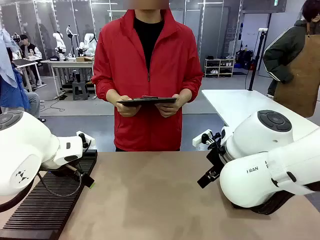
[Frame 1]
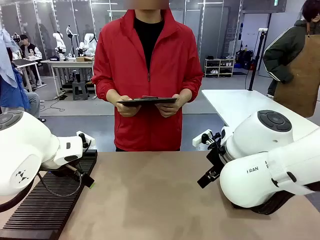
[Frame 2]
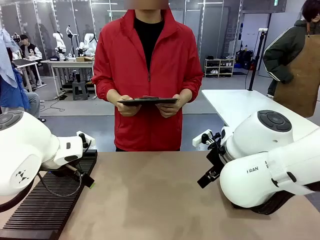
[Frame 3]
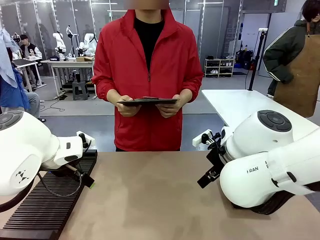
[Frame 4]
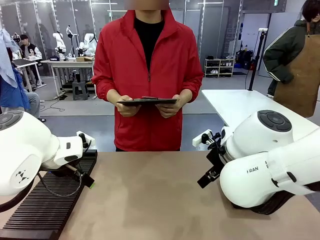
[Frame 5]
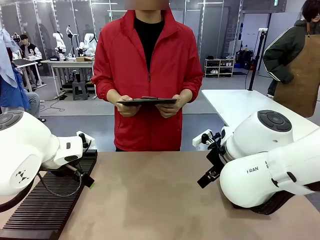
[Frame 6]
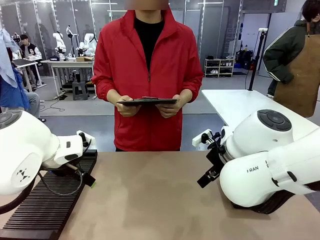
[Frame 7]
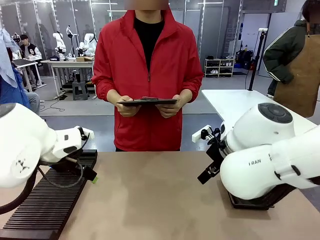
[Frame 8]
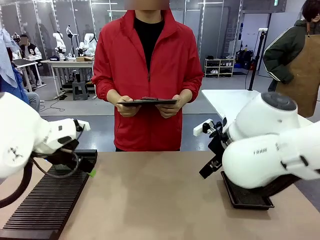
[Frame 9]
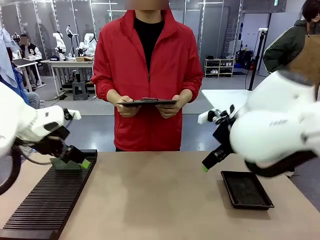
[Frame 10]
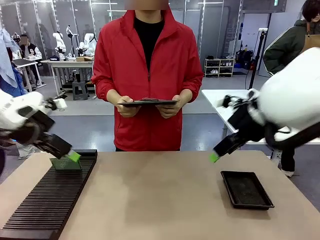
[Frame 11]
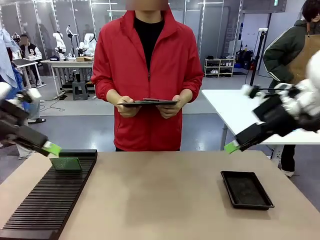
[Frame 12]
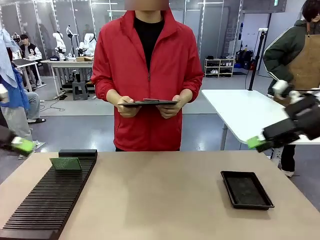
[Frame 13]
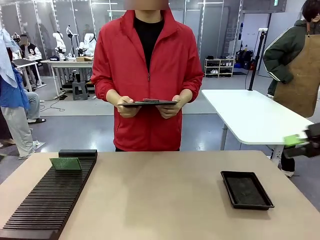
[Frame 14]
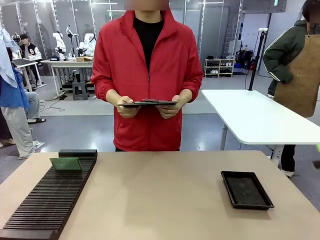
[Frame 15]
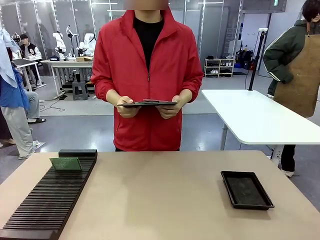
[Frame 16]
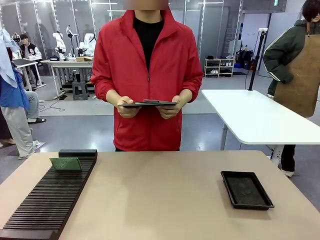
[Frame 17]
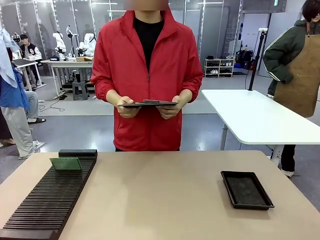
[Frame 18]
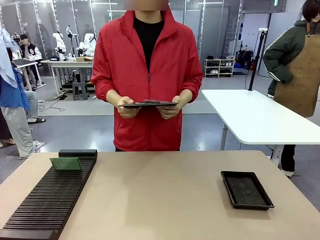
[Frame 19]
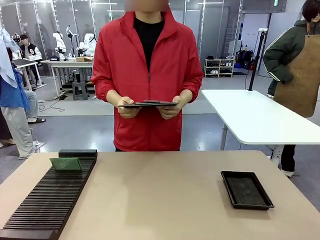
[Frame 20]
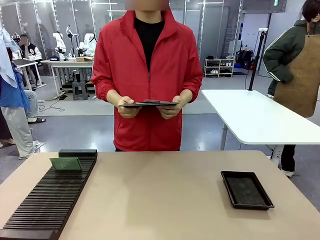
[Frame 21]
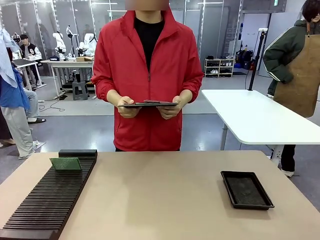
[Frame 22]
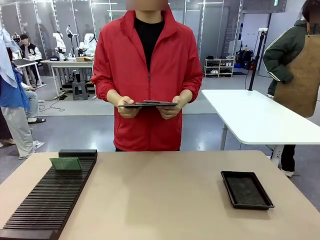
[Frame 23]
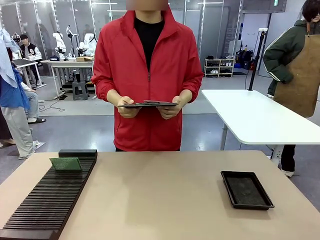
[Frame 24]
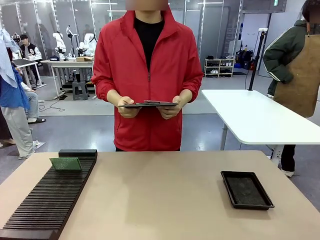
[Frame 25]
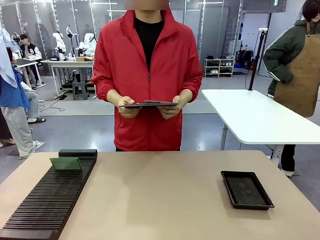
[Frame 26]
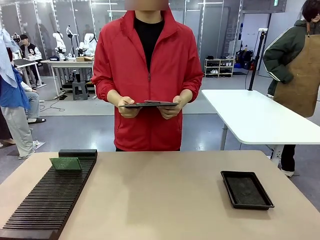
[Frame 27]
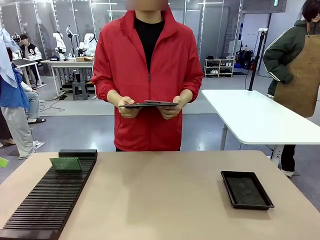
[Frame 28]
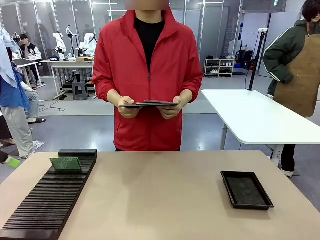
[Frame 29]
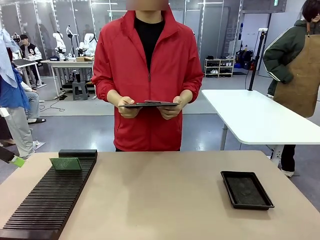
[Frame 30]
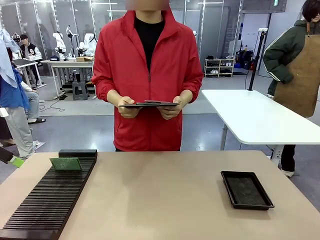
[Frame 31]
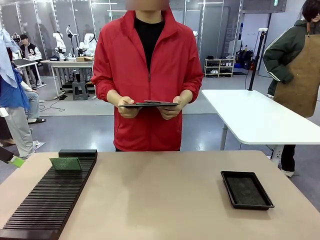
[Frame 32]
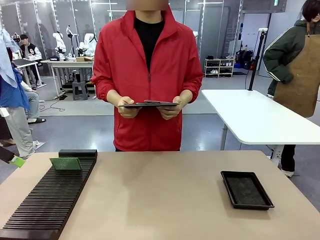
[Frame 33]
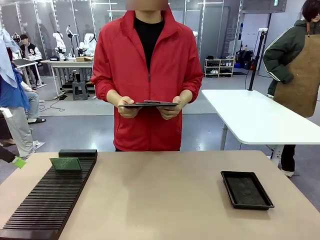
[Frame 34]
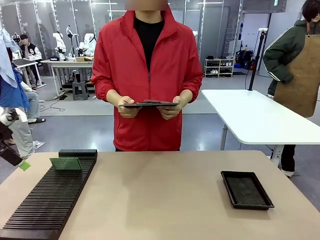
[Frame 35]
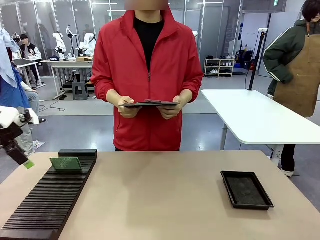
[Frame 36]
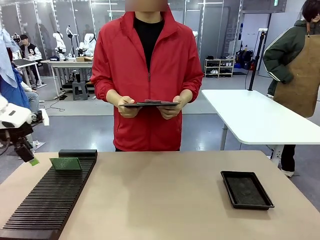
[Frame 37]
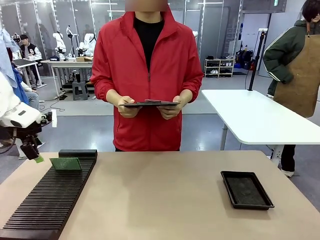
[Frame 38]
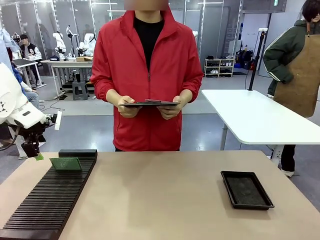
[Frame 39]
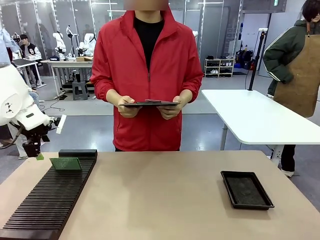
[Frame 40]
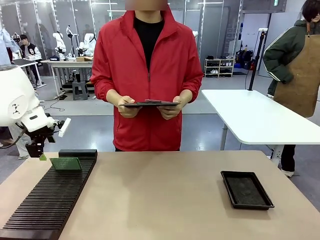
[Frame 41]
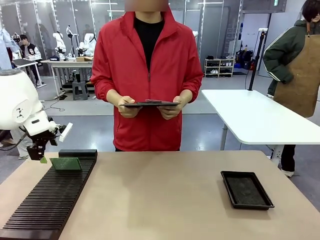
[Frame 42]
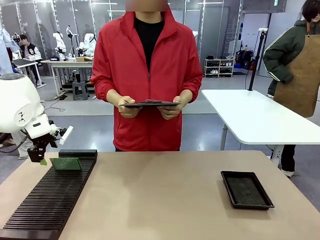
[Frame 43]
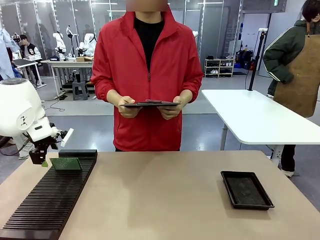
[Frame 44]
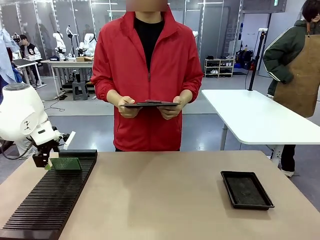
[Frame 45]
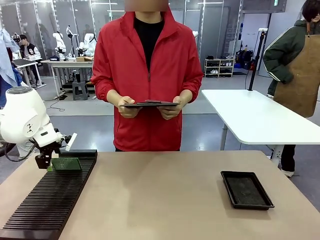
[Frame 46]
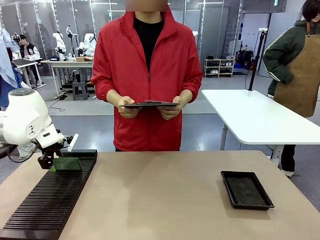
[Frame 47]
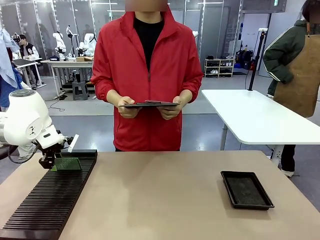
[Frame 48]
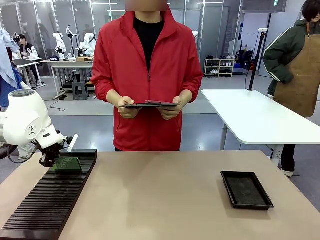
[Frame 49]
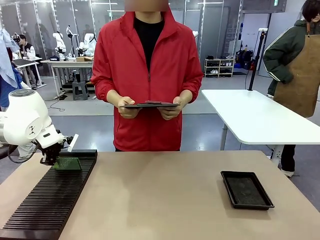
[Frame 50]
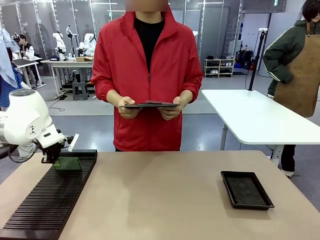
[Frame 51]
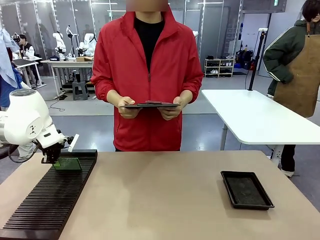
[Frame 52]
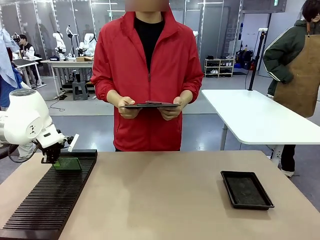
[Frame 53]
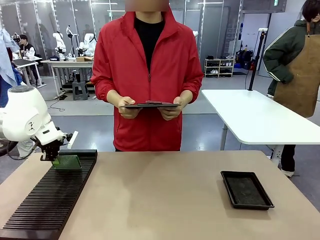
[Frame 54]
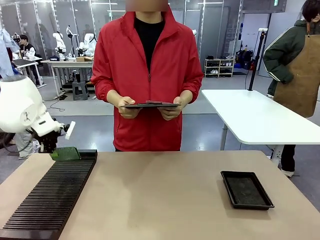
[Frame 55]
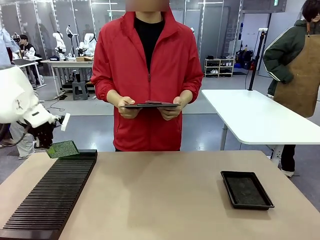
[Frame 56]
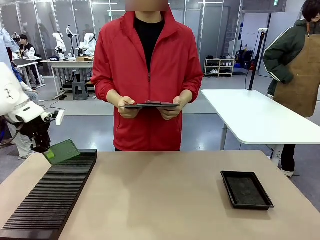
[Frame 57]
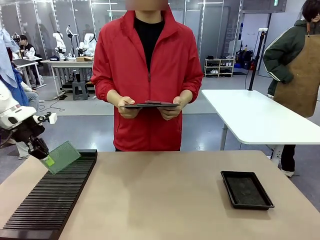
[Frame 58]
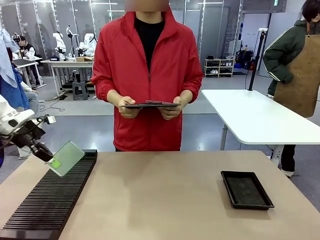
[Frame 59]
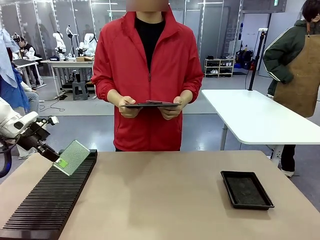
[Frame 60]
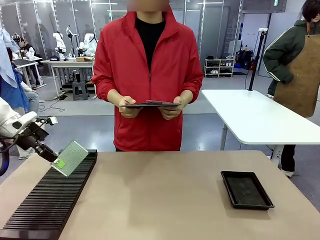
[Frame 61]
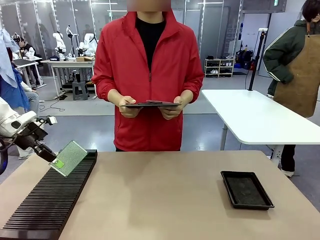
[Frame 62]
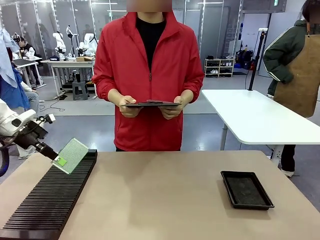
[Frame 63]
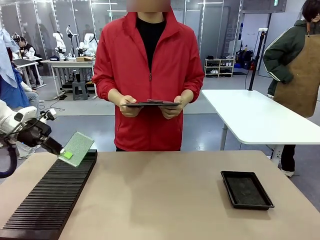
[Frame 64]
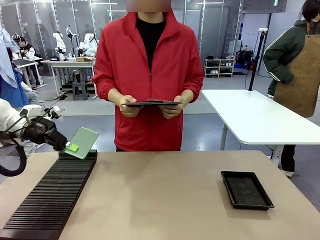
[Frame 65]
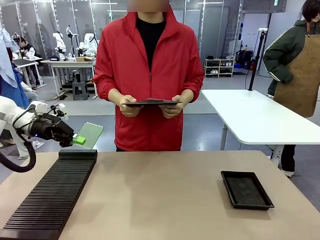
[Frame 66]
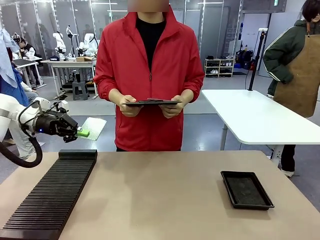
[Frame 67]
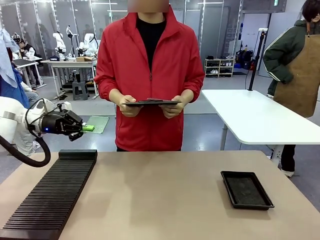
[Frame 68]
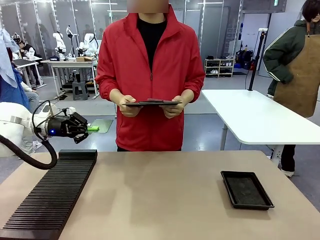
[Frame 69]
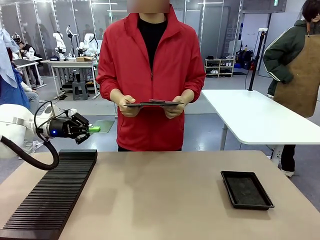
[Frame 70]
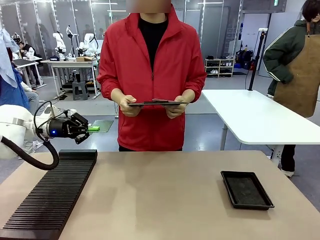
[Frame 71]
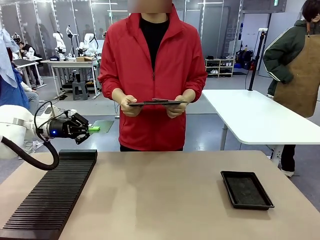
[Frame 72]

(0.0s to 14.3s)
Task: Inspect the PCB.
Robot: Pick up the Blank PCB and present it to the human.
Person: Pick up the PCB presented by the robot.

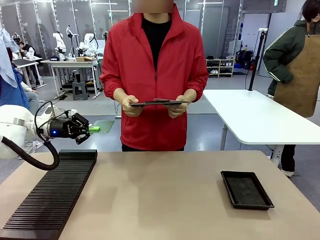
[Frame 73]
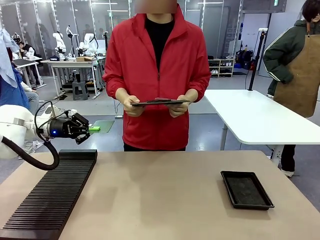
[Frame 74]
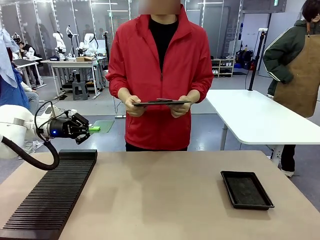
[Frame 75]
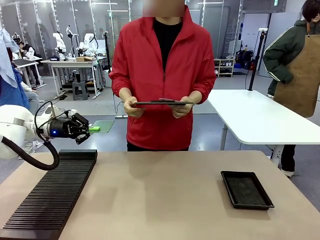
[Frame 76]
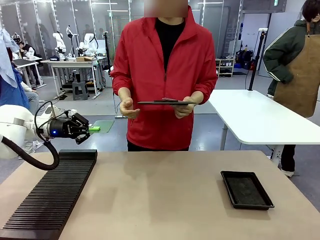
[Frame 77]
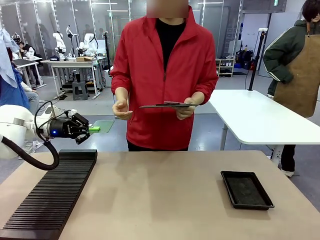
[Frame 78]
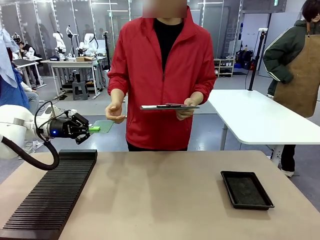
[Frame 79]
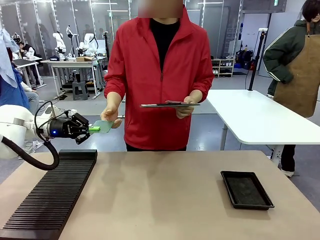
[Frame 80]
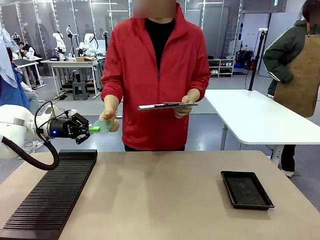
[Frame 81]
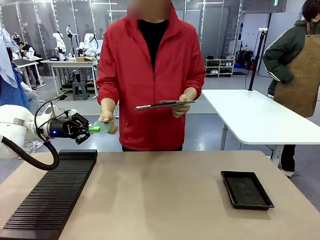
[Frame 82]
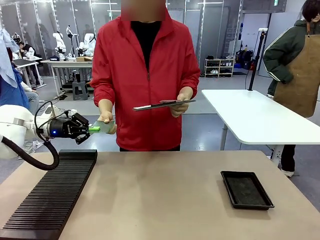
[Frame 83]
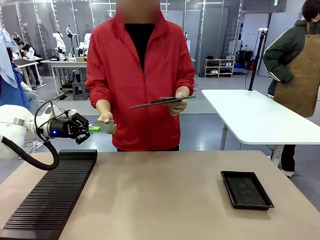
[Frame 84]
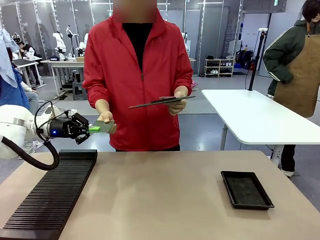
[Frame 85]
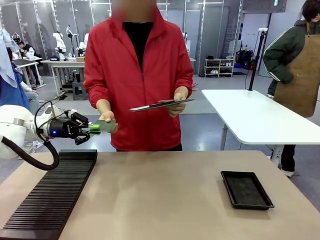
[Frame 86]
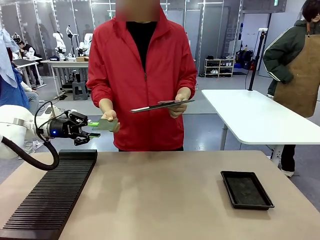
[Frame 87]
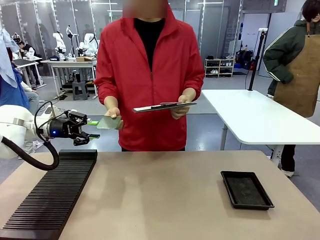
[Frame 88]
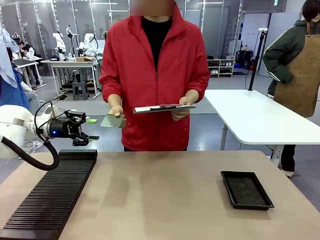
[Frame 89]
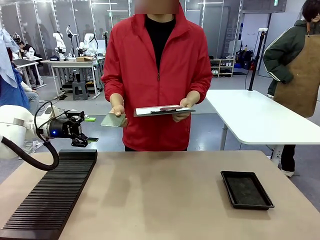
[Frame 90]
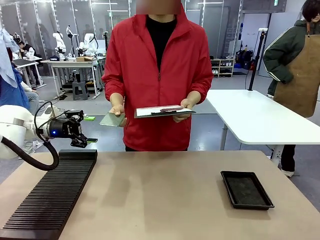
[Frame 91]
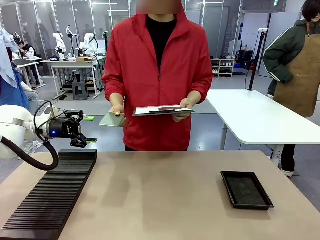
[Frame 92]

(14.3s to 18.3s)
Robot: Release the Blank PCB you were holding.
